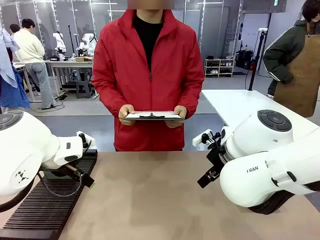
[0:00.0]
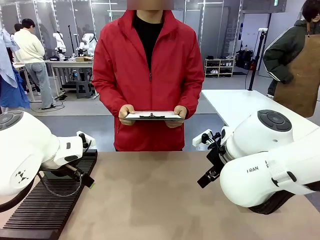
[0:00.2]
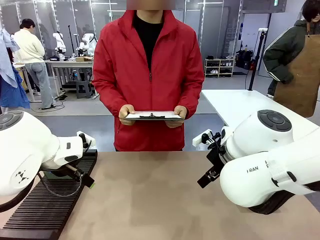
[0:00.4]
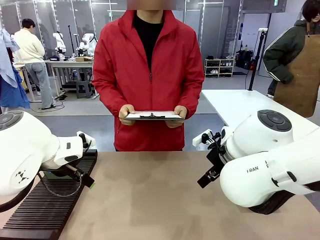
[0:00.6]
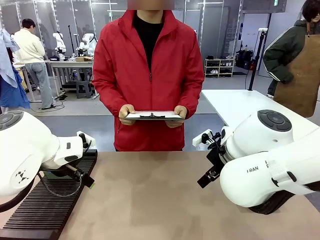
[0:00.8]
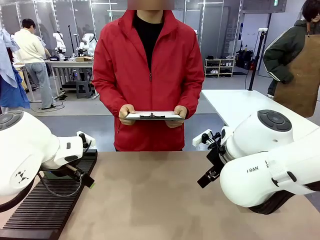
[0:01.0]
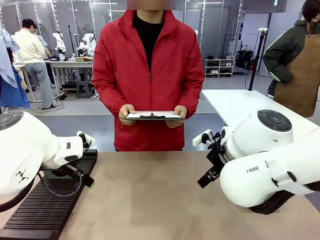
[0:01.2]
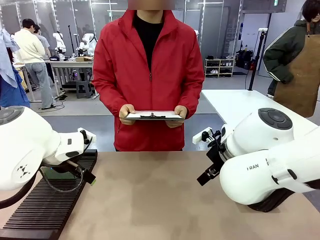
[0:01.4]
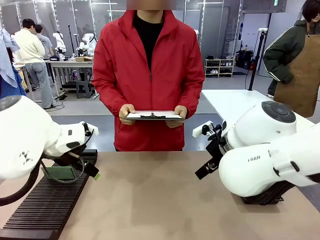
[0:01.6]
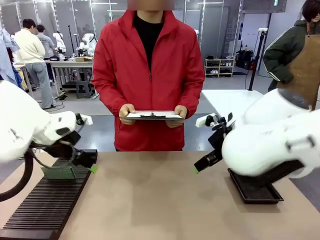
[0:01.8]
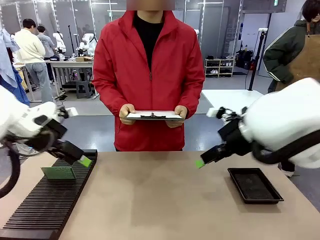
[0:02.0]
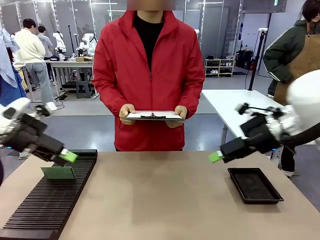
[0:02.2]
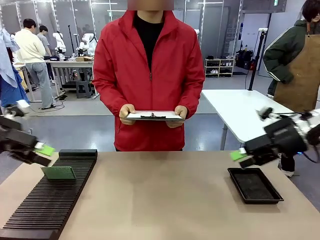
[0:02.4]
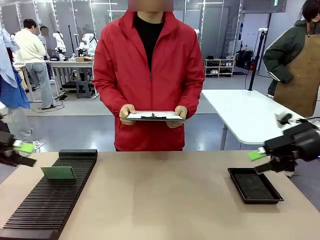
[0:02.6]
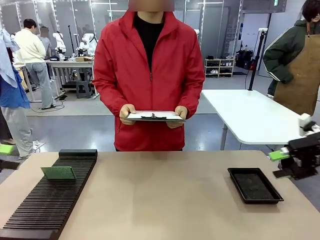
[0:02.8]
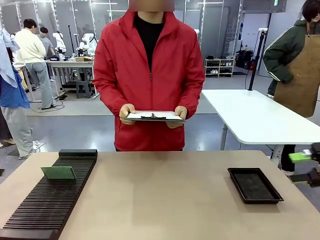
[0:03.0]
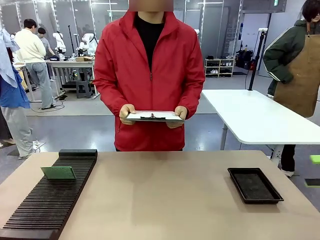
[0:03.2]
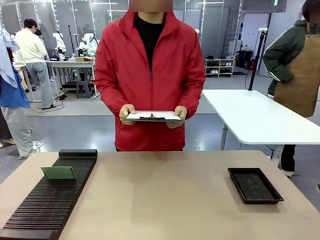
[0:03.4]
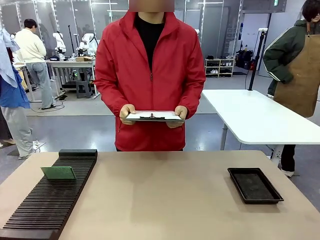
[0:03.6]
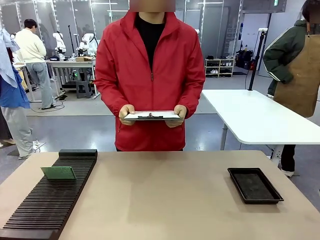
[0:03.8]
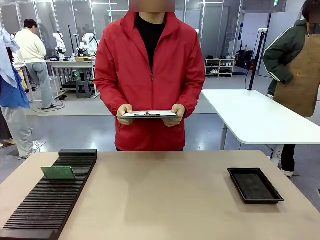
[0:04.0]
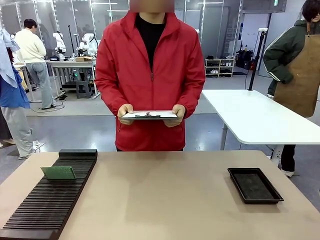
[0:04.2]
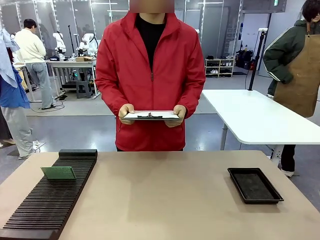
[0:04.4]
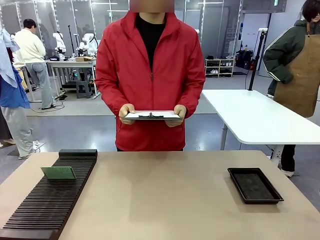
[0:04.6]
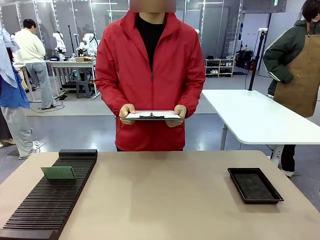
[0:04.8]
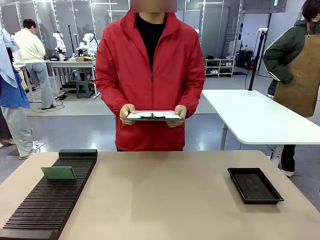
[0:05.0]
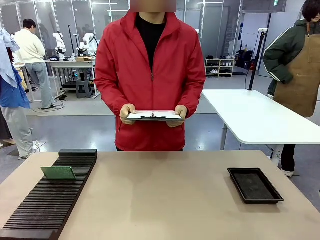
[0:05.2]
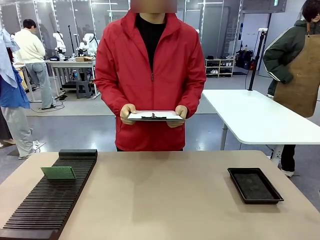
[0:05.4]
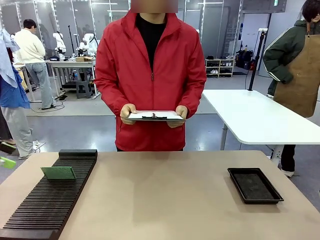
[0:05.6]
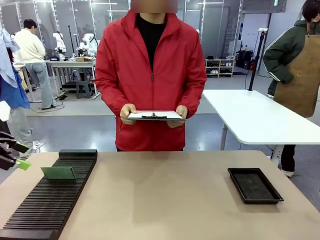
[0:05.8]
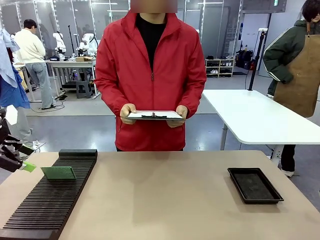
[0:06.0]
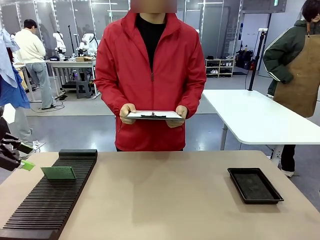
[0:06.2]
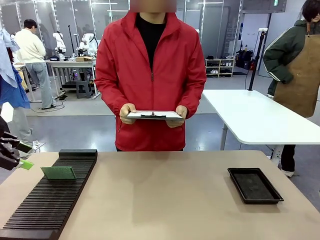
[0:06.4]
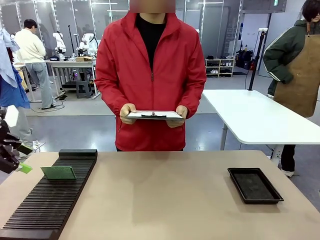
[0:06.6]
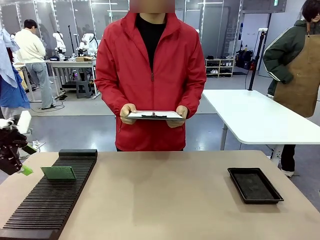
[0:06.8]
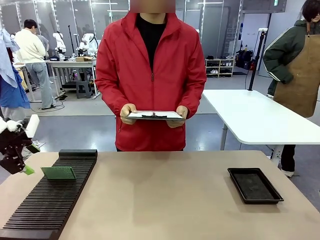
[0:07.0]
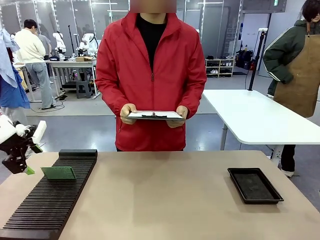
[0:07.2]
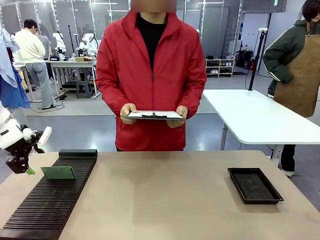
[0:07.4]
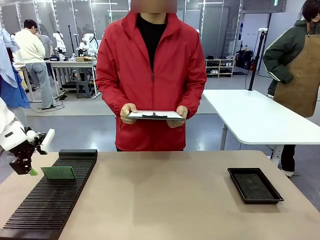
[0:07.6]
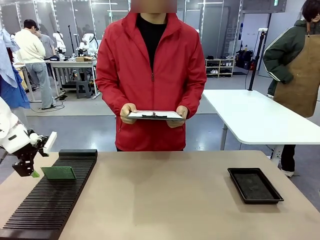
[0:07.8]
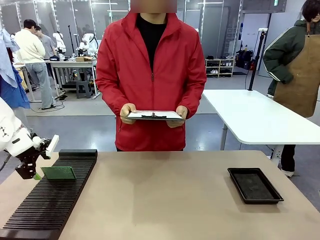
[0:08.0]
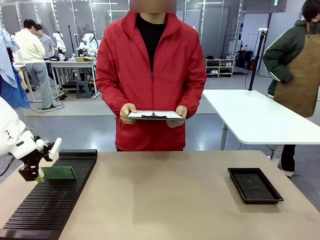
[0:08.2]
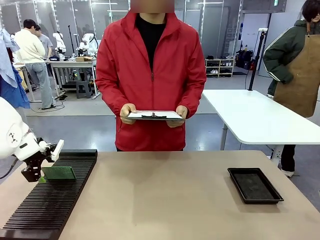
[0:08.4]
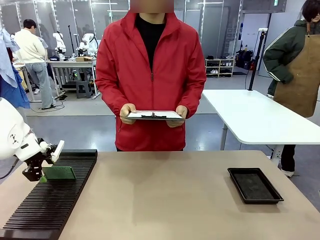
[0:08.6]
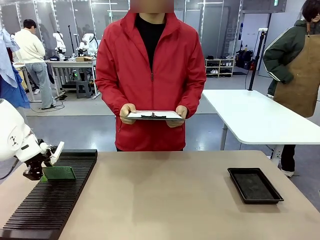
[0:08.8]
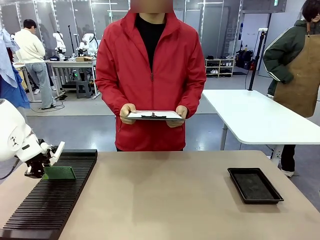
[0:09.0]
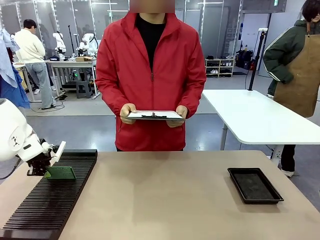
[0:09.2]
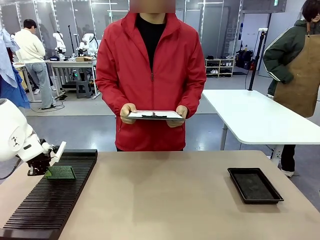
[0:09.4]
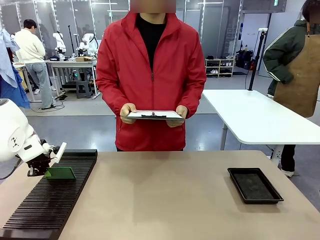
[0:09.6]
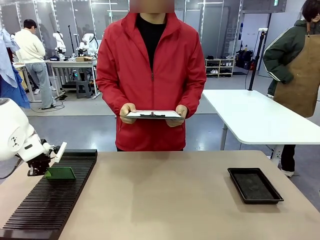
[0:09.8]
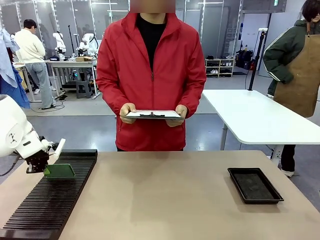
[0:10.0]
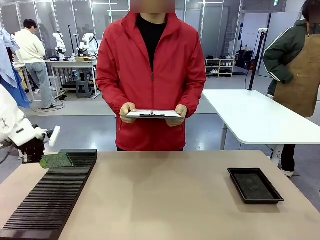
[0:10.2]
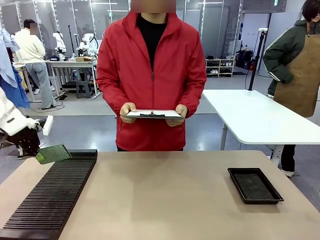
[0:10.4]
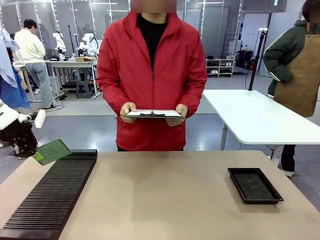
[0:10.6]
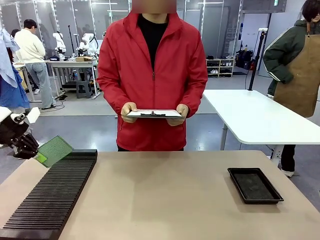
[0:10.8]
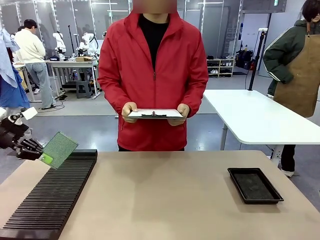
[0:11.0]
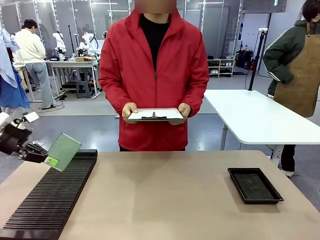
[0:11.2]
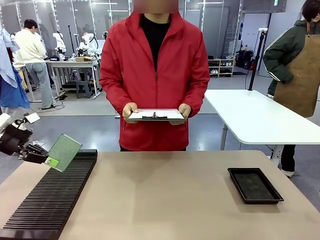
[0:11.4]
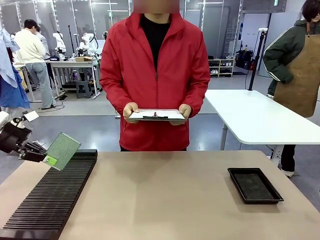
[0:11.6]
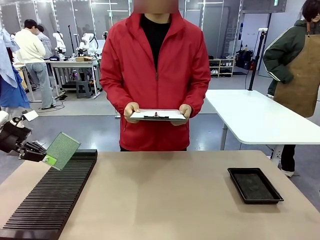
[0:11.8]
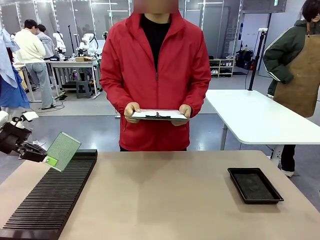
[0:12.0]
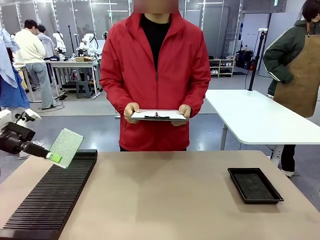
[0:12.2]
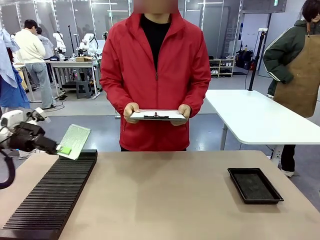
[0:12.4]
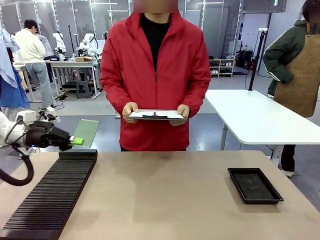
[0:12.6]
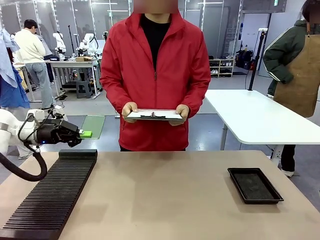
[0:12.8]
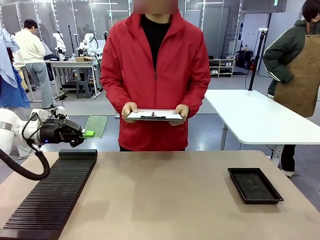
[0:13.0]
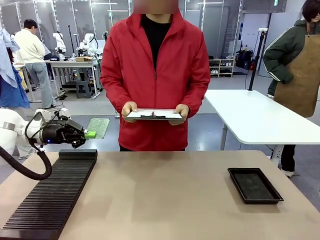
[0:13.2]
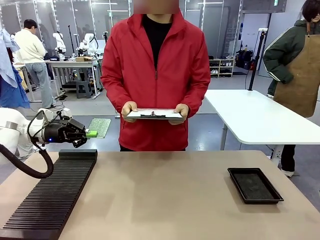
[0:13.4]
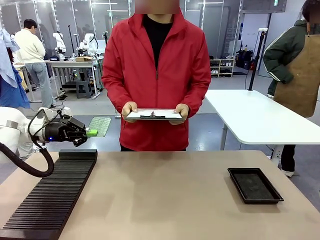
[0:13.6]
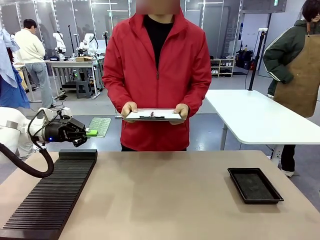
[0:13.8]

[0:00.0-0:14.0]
Task: Inspect the PCB.
Robot: Pick up the Blank PCB and present it to the human.
Person: Pick up the PCB presented by the robot.

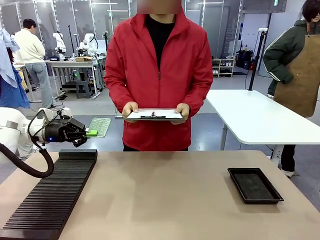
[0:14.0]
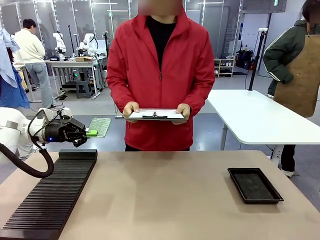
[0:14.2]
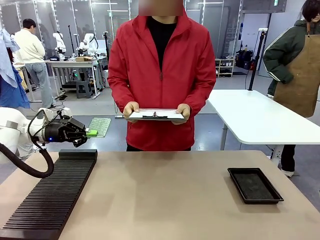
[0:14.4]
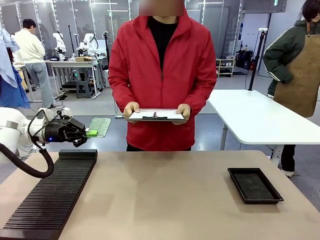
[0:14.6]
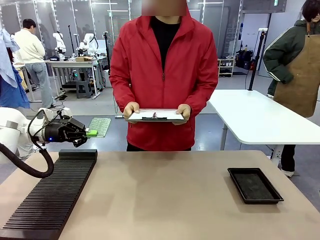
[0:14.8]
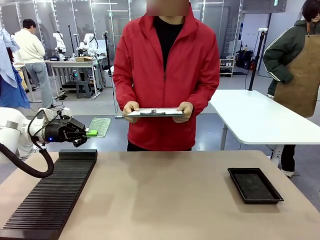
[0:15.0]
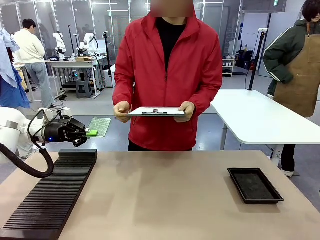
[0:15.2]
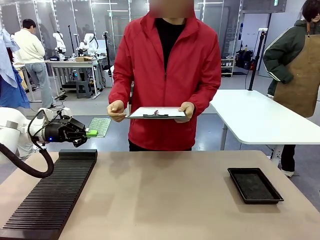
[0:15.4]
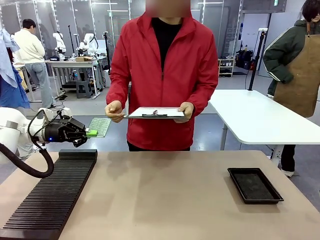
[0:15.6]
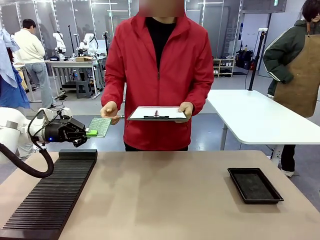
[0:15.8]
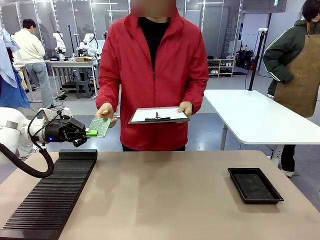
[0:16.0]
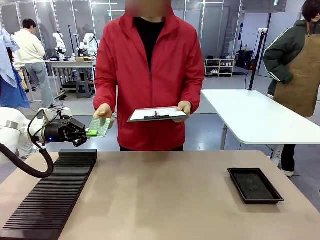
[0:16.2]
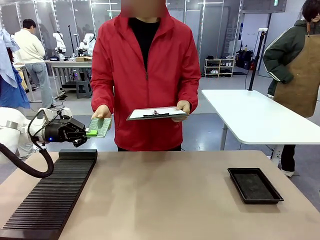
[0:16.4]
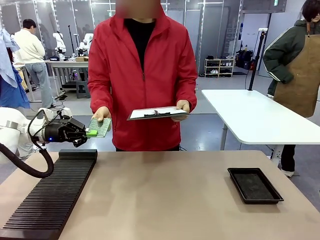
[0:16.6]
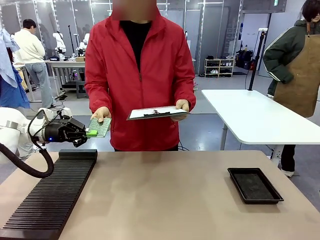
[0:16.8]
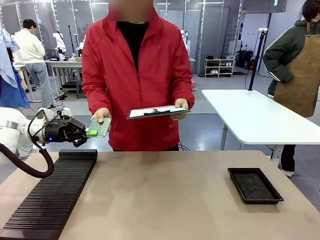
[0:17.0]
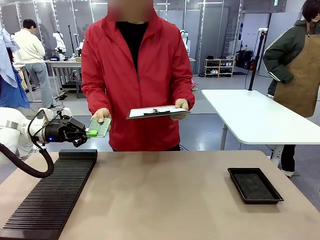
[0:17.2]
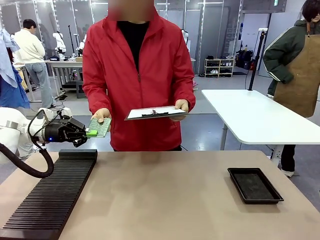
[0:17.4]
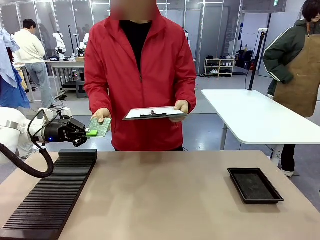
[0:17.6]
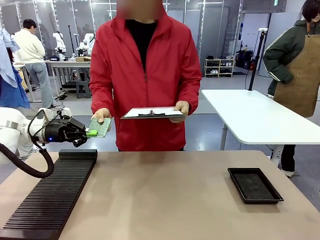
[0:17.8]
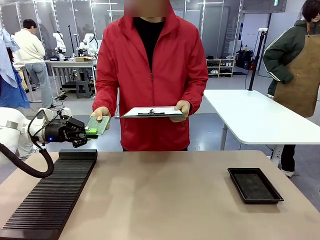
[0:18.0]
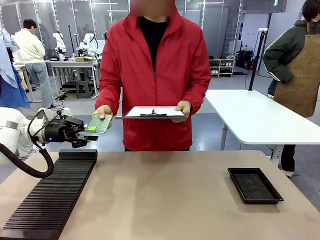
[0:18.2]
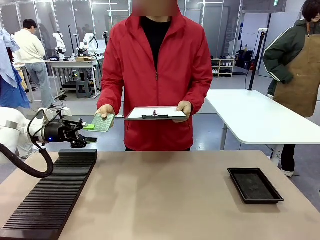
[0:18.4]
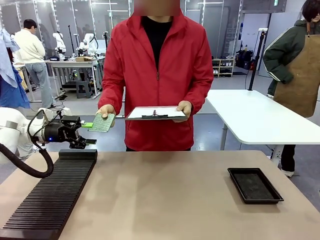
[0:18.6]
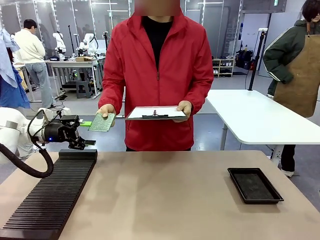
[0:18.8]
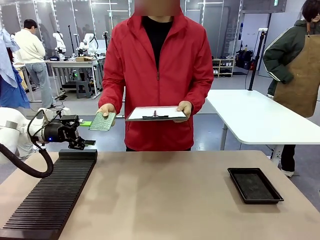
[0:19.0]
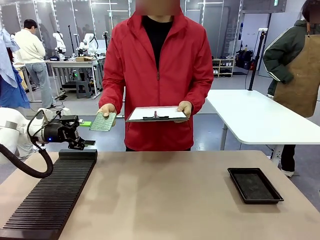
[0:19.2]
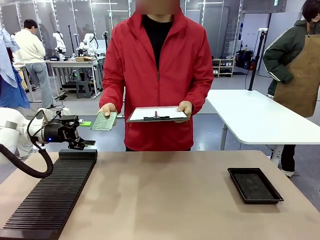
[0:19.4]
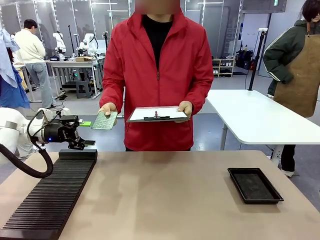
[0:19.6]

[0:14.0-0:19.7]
Robot: Release the Blank PCB you were holding.
